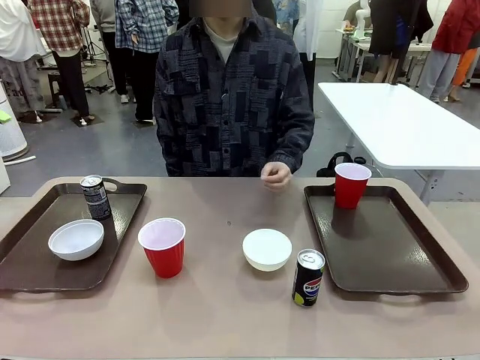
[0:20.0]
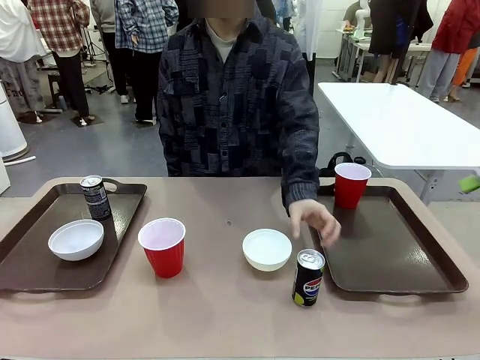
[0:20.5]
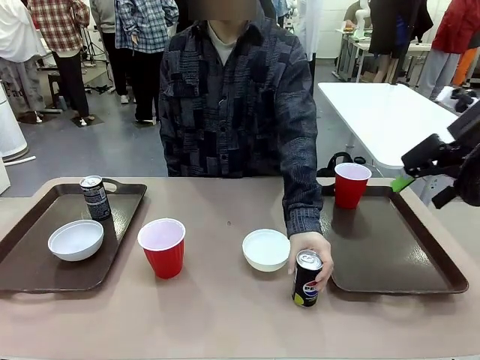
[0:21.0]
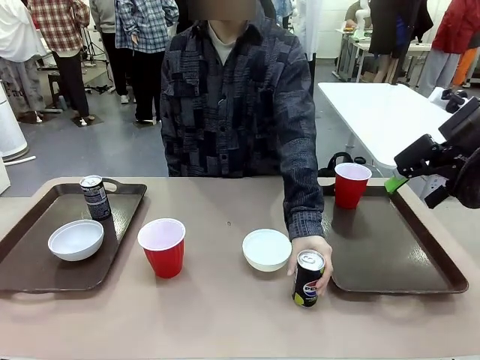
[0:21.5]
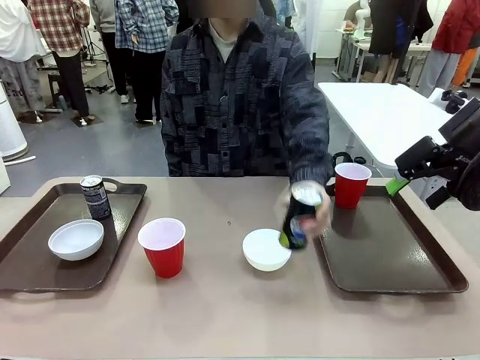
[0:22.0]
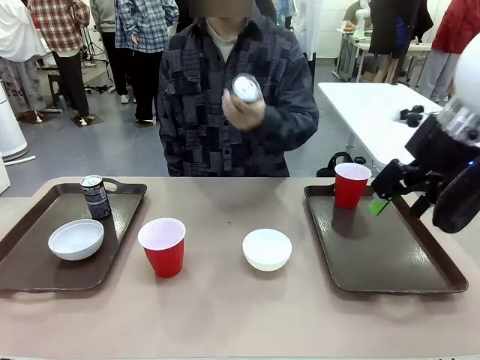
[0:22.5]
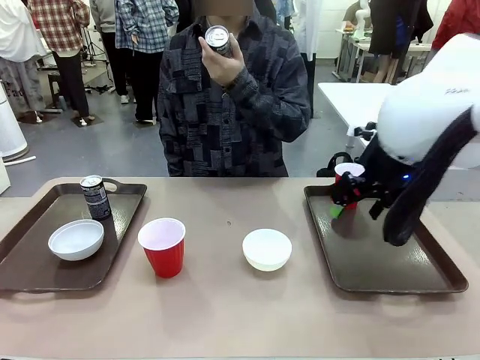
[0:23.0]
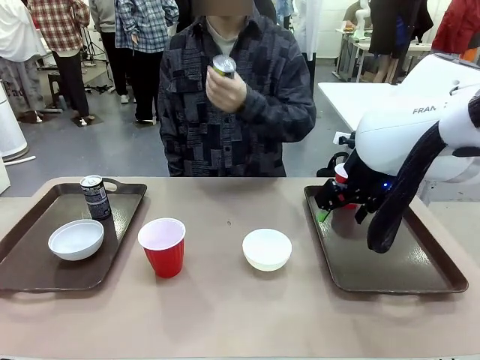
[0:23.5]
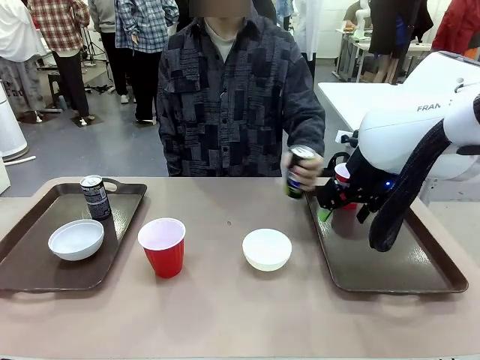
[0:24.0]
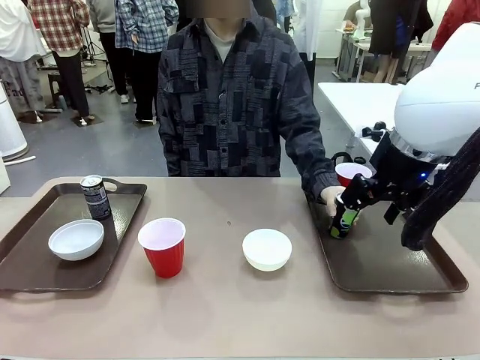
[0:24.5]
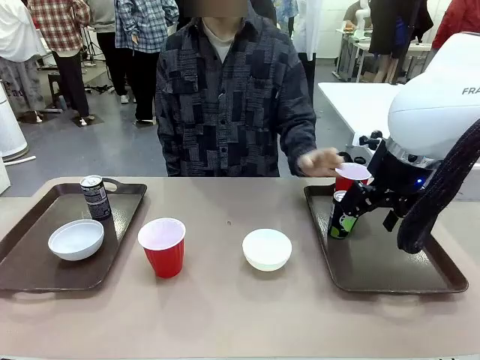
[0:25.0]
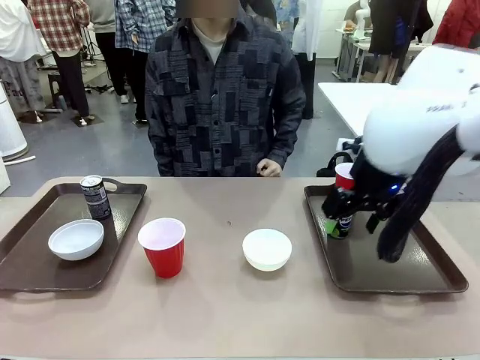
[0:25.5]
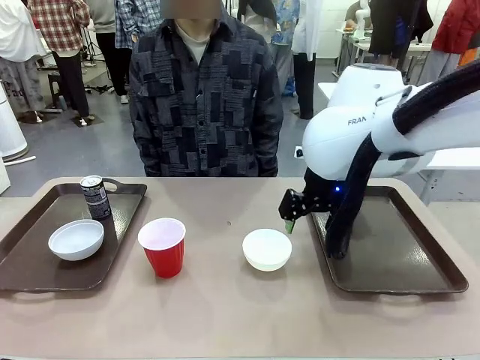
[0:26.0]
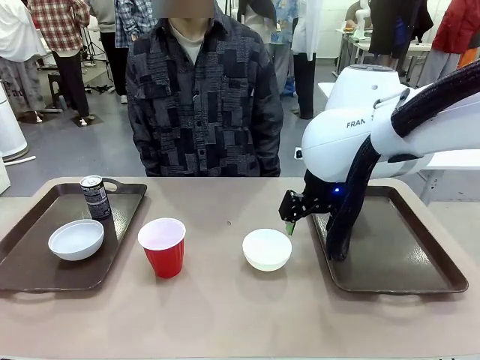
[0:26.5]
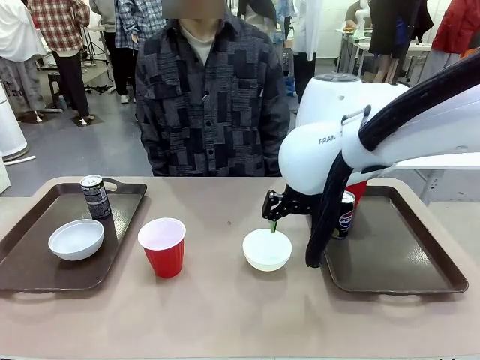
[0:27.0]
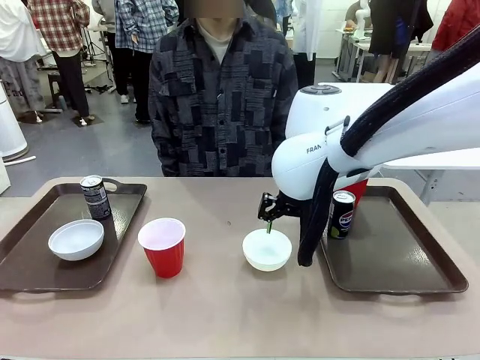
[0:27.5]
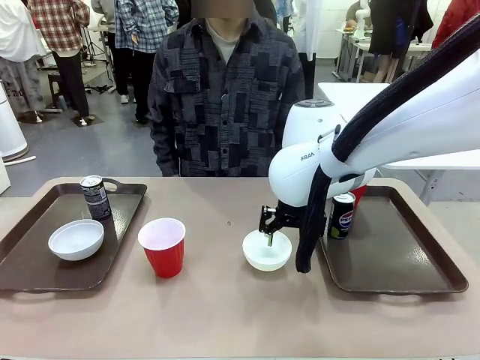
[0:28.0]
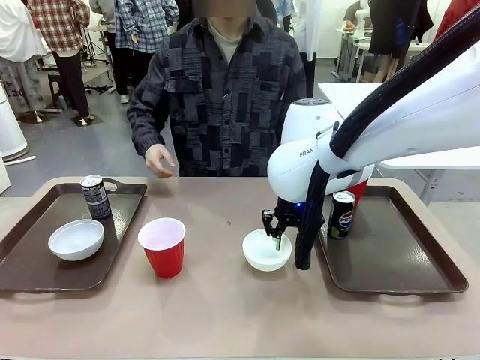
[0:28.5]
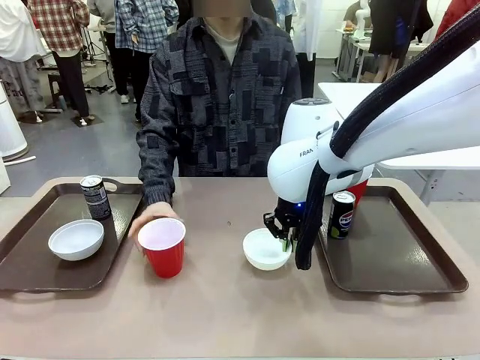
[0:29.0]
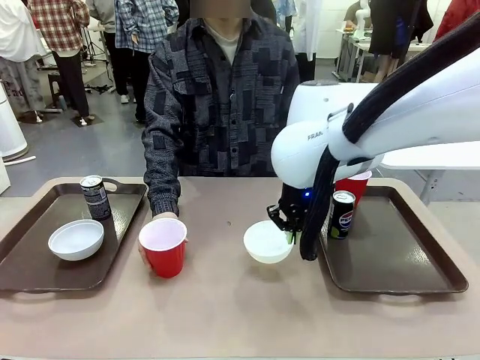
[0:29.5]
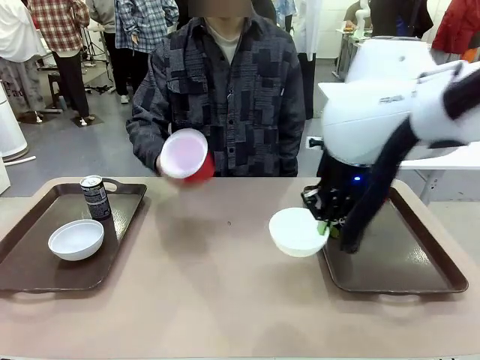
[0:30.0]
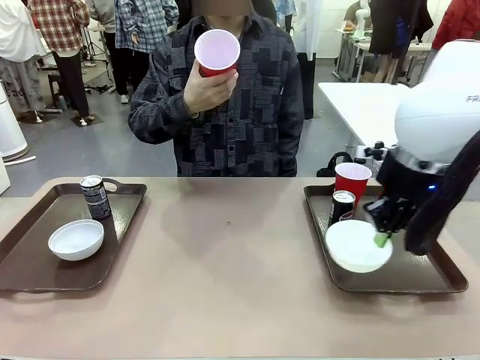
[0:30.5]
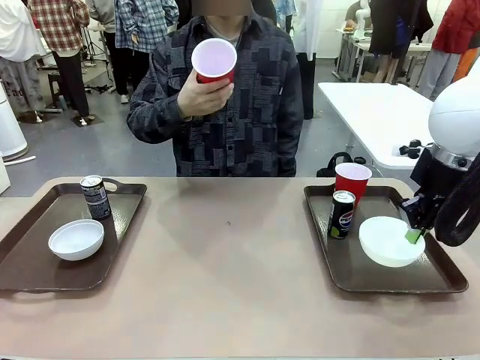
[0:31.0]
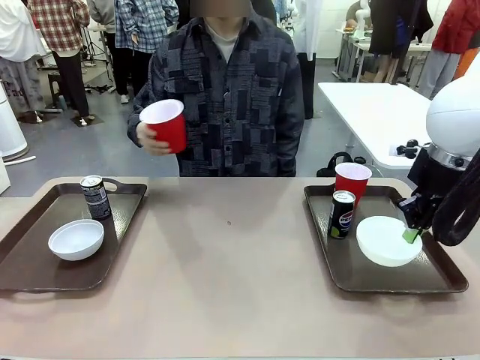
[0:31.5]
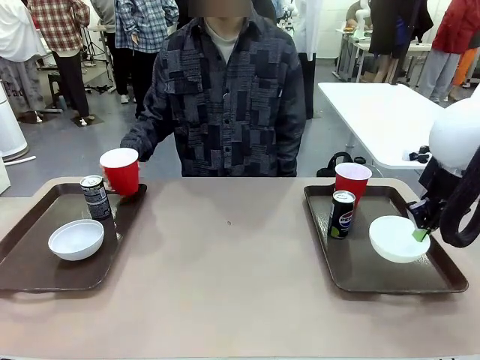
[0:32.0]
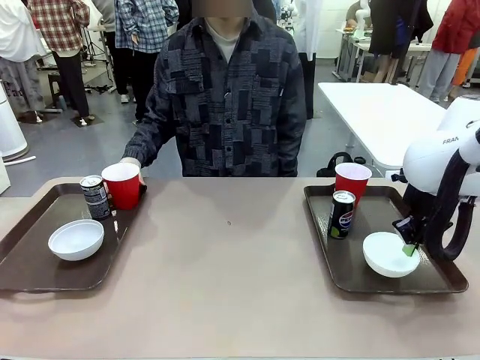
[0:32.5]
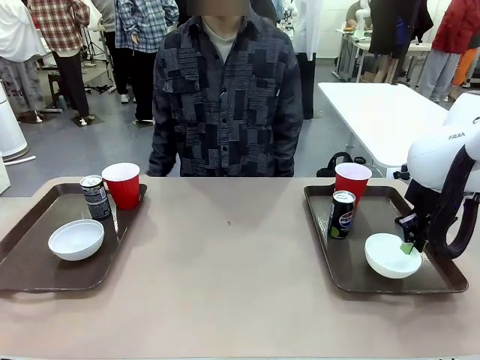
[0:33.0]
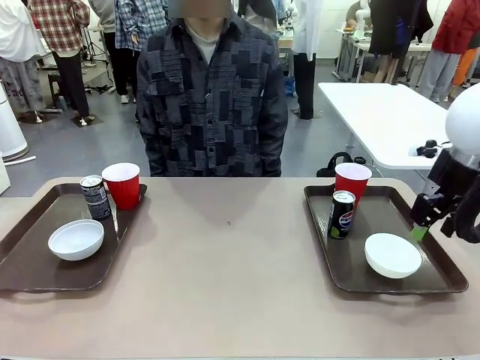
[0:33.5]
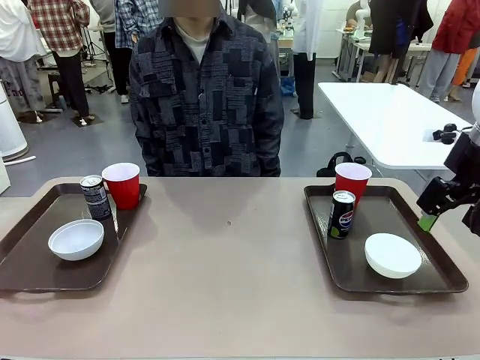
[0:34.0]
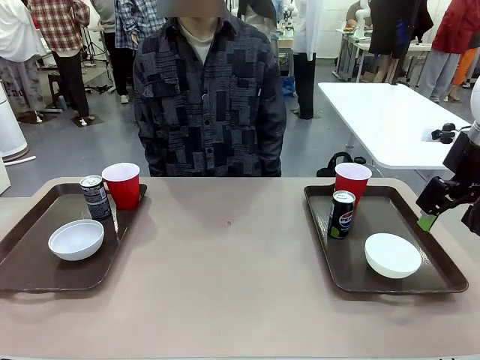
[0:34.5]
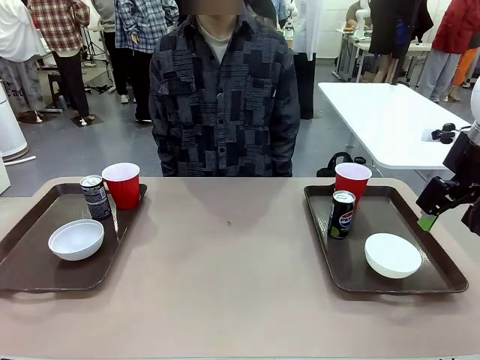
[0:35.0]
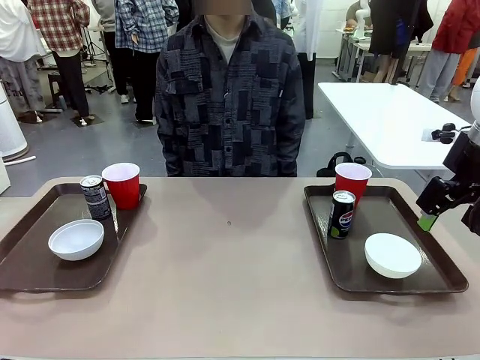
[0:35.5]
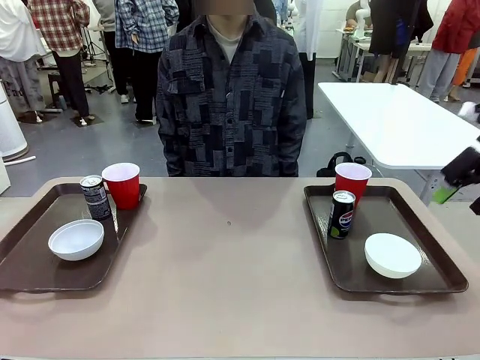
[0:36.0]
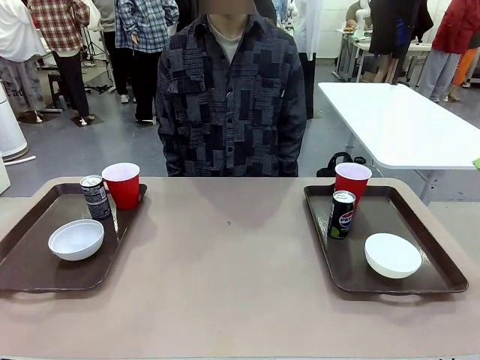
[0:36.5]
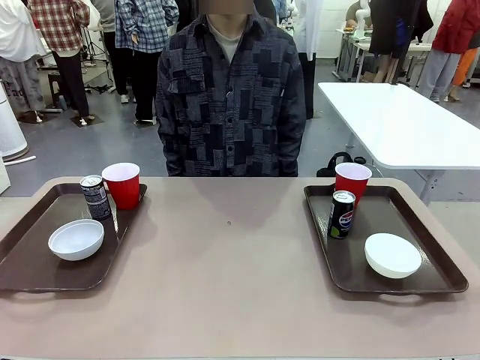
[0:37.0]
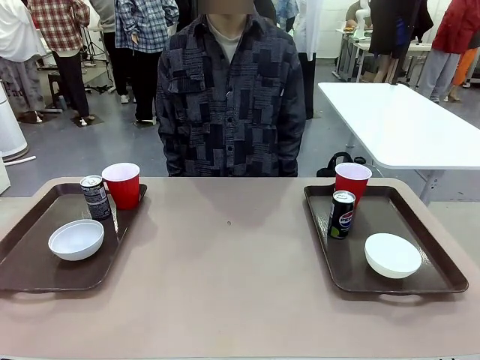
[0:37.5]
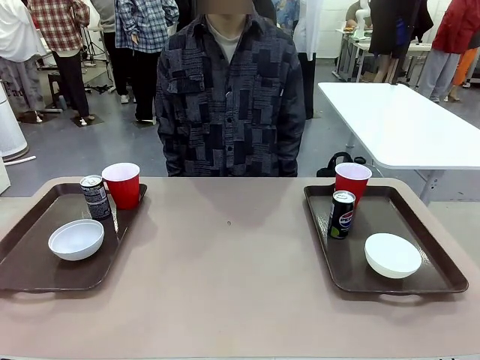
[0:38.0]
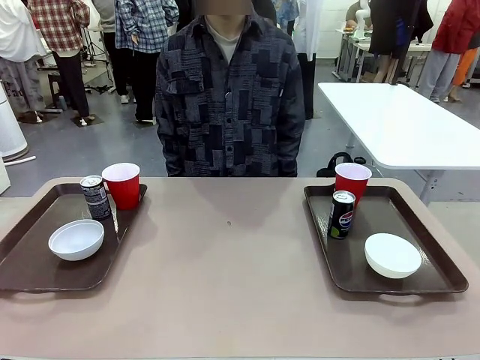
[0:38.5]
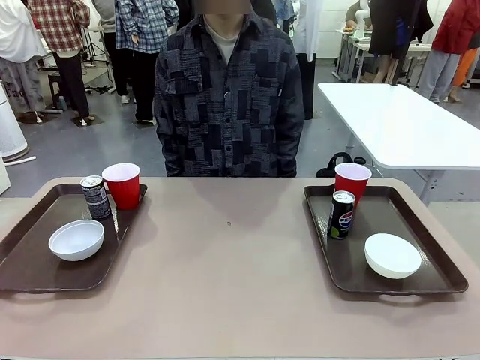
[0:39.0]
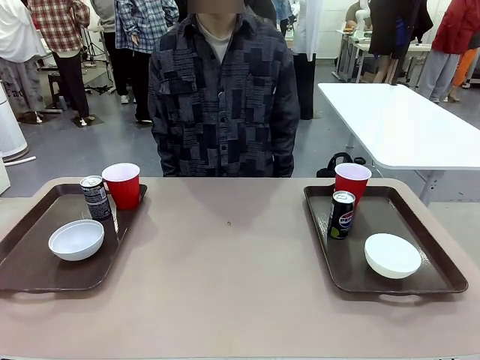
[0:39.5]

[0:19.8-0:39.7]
Task: Prepare tableware on both trays.
Robot: Pick up a Picnic Bowl from the table and place it on a Handle tray.
Person: Pick up a can or cup and place it on the tray without a can or cup.
